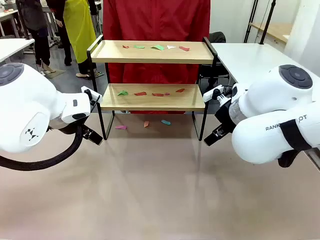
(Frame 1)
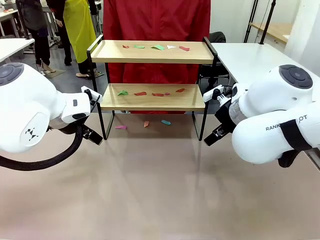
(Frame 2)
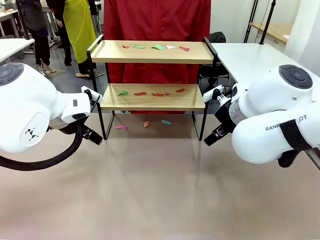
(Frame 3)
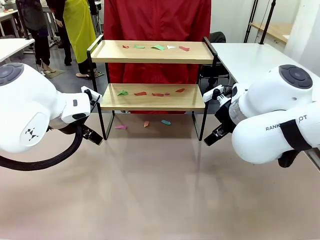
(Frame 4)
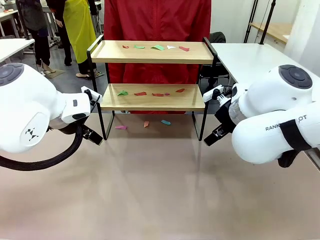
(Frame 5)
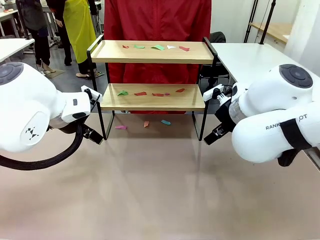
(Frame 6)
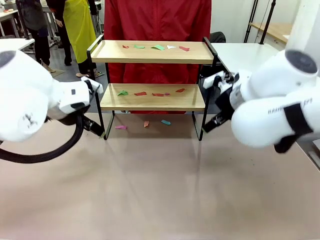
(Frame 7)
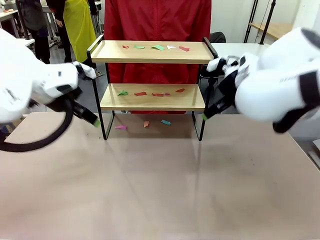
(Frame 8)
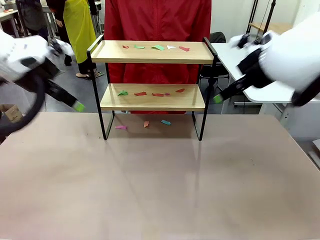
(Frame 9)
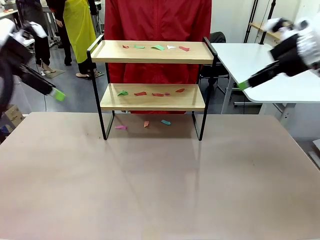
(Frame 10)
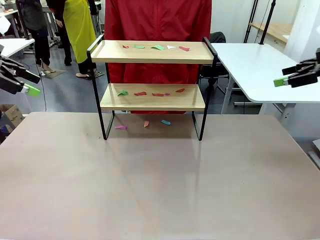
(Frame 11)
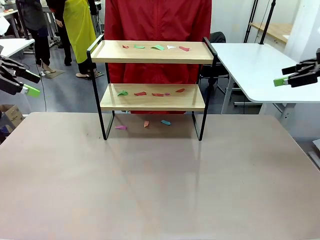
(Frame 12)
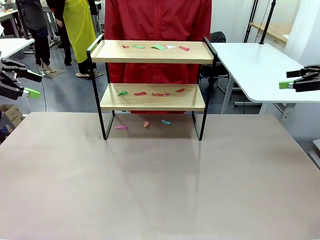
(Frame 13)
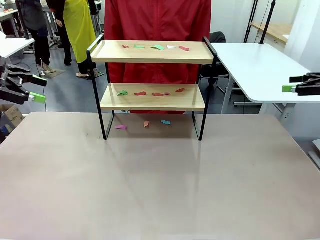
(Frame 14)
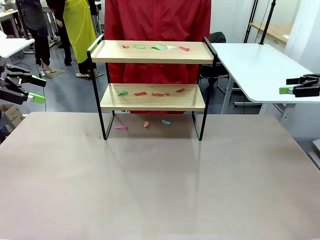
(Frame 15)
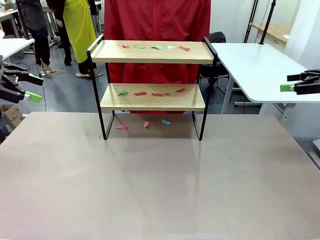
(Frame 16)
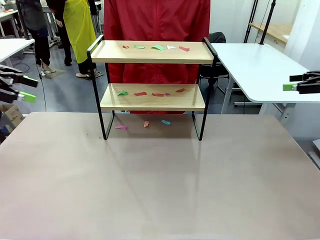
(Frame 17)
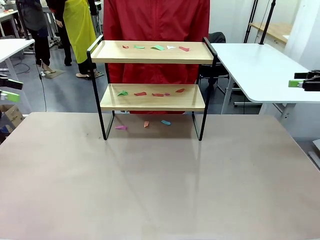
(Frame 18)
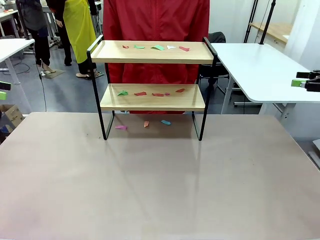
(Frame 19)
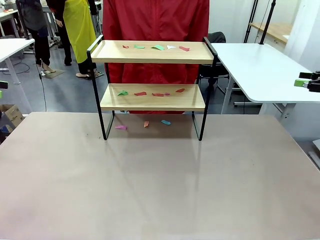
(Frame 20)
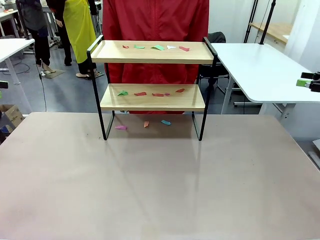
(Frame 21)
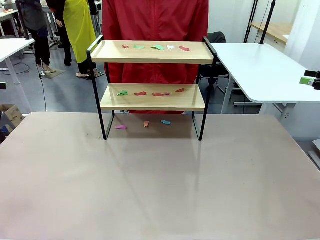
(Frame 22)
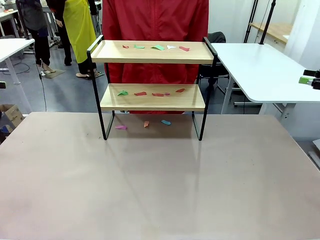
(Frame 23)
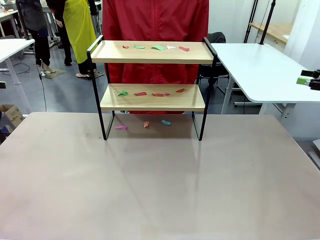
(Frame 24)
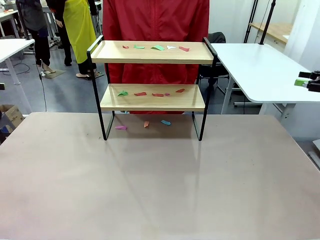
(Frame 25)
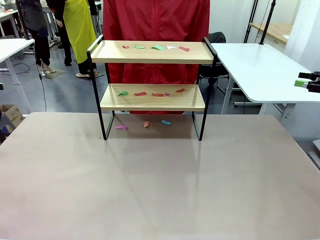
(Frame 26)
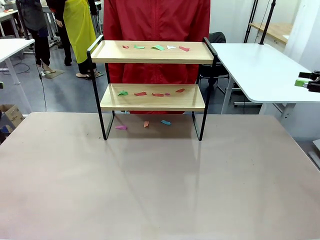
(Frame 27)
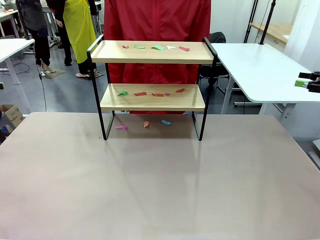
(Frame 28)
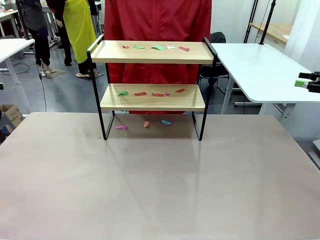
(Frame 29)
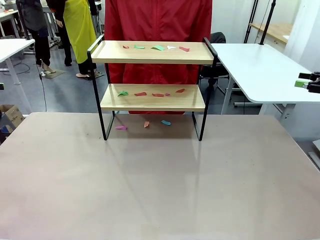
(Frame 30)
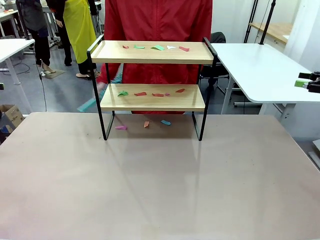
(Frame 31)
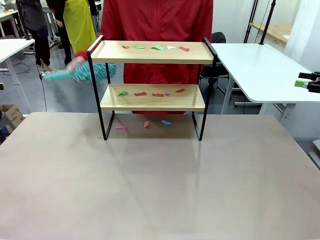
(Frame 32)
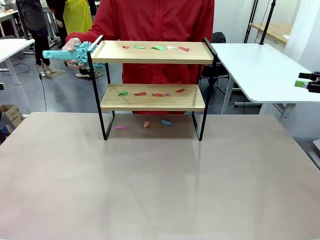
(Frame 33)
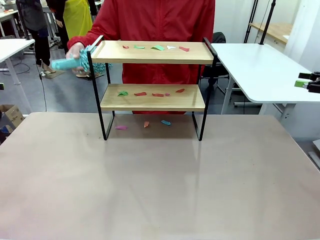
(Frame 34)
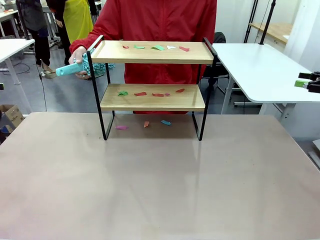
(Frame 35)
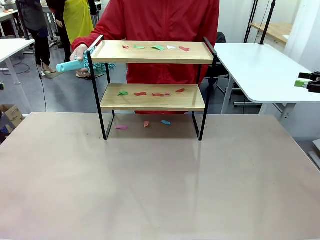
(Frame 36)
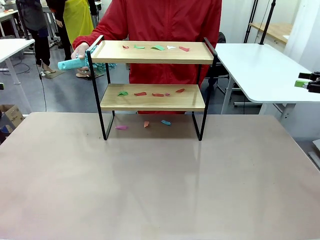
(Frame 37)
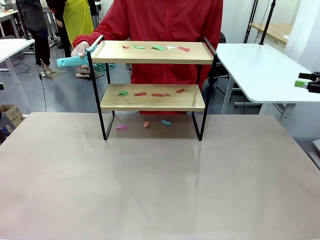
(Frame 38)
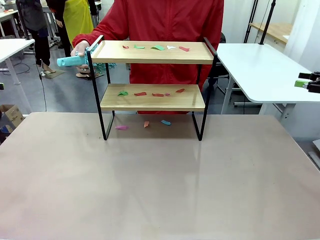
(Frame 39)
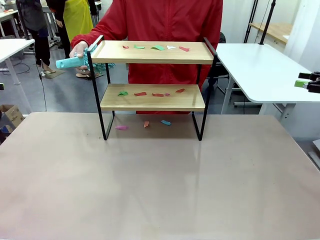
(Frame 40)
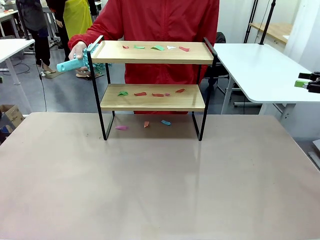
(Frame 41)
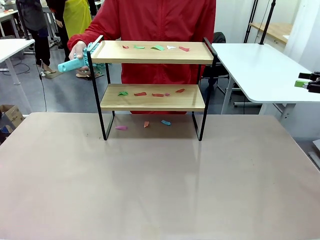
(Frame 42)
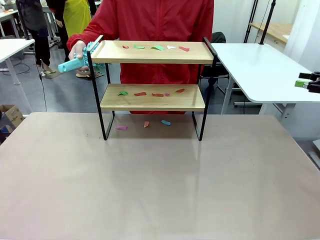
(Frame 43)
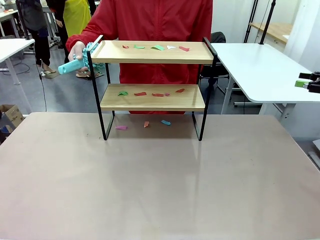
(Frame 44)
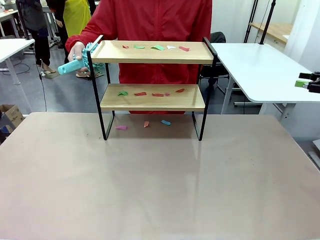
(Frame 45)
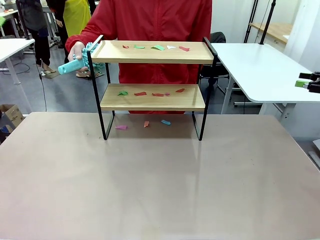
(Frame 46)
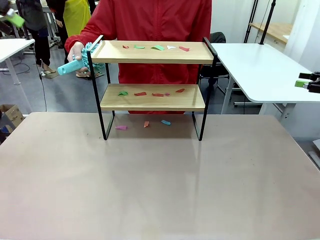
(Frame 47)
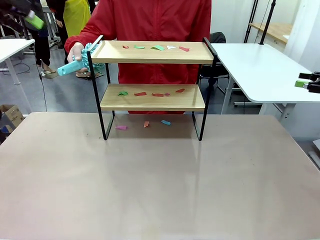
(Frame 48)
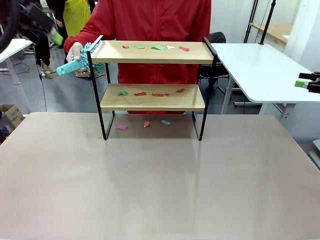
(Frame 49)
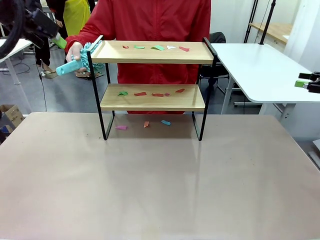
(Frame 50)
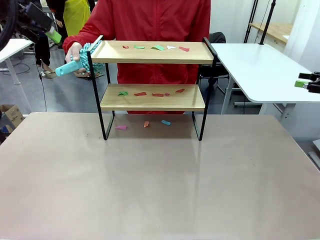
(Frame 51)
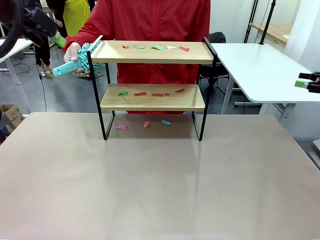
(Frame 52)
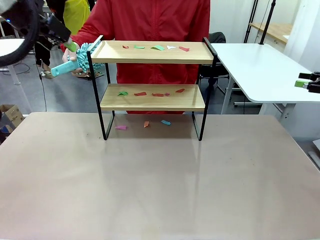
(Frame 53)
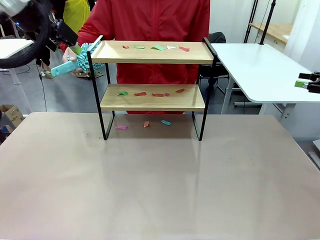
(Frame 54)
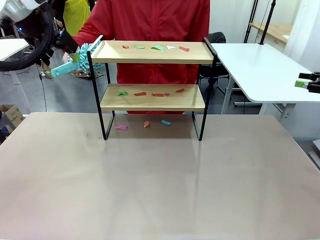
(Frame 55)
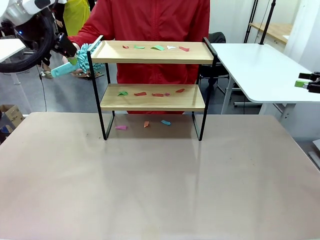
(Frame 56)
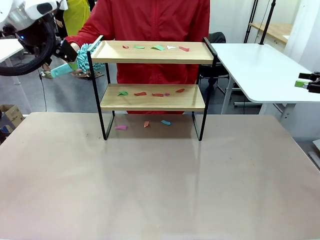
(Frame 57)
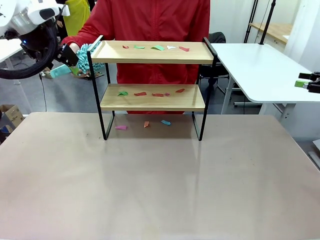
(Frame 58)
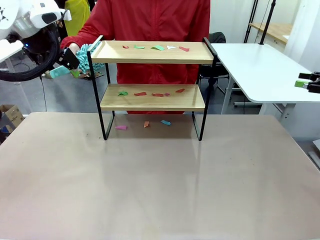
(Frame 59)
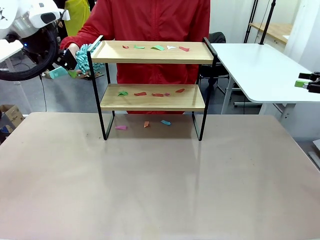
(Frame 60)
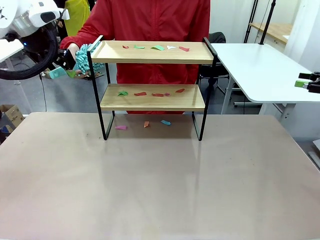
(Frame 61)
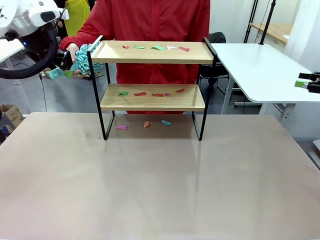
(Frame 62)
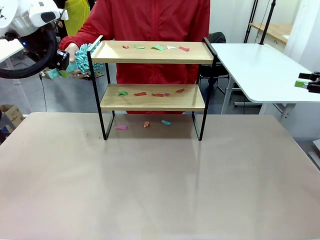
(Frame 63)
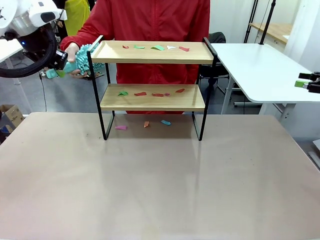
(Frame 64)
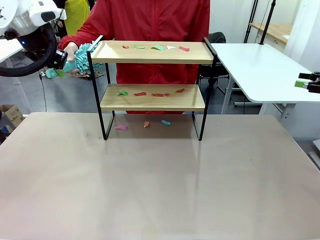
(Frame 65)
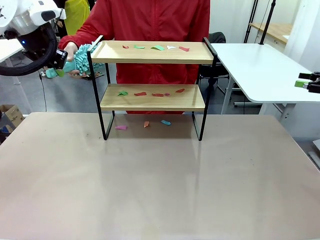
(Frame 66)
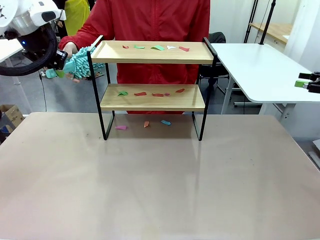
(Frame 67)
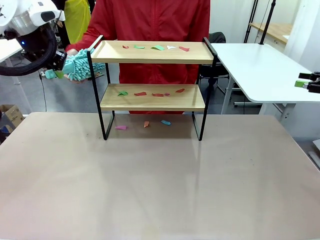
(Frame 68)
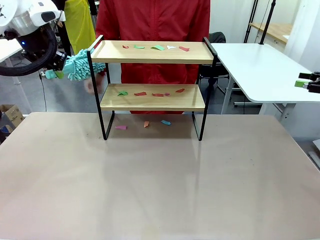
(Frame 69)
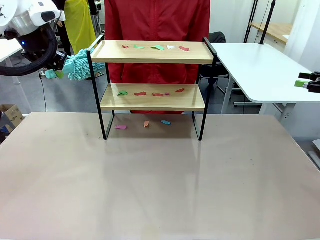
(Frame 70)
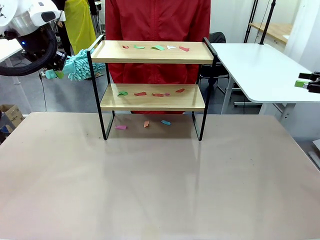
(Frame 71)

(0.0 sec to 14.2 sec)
Task: Clean the shelf.
Robot: Pick up the Duster handed by the human.
Person: Hand the Duster to the robot.
